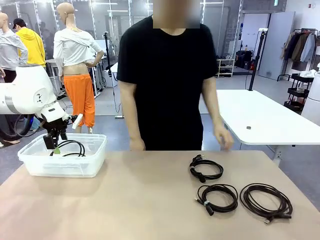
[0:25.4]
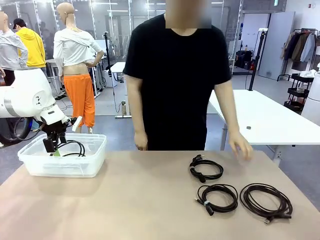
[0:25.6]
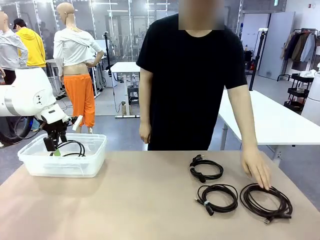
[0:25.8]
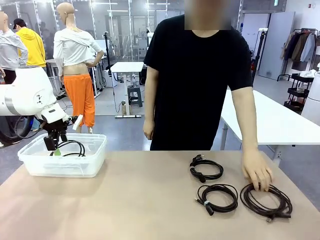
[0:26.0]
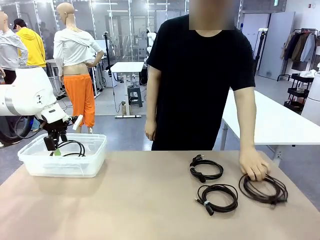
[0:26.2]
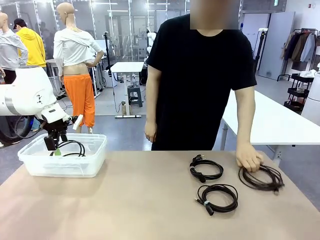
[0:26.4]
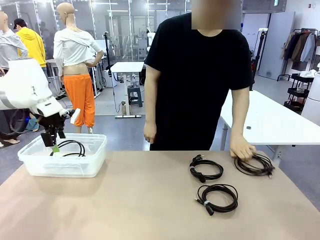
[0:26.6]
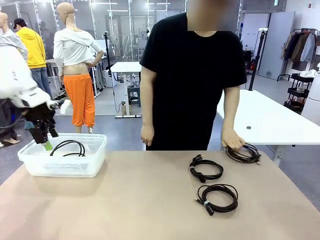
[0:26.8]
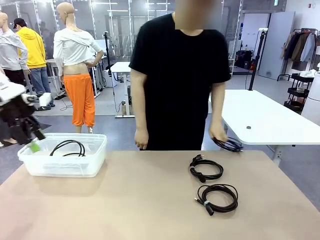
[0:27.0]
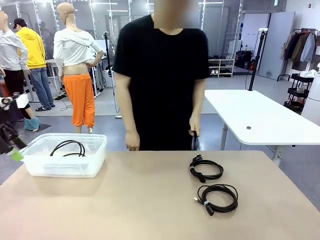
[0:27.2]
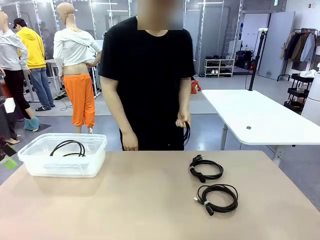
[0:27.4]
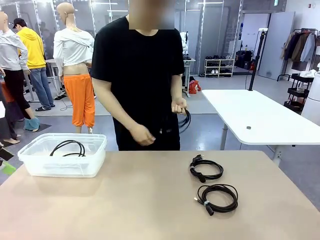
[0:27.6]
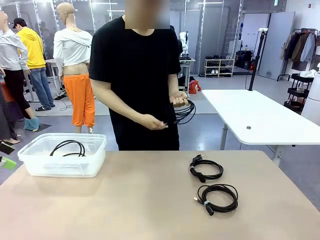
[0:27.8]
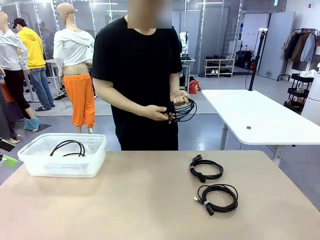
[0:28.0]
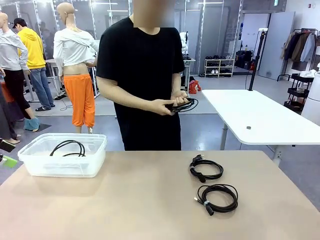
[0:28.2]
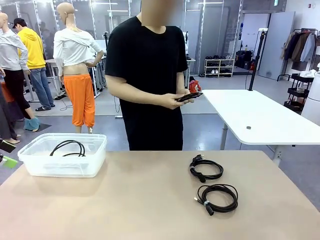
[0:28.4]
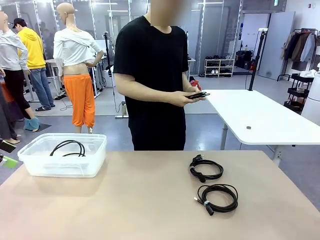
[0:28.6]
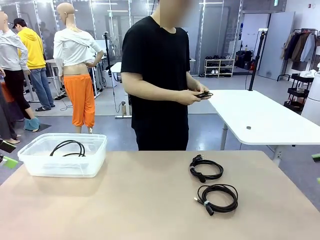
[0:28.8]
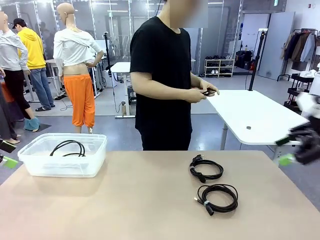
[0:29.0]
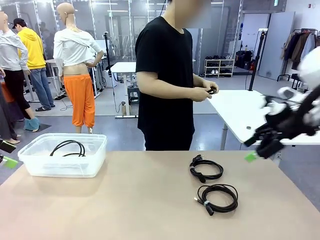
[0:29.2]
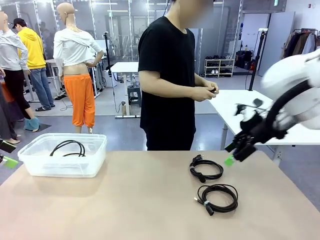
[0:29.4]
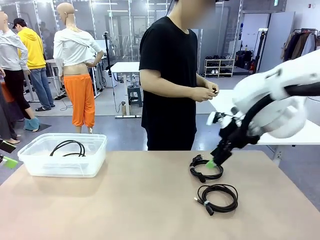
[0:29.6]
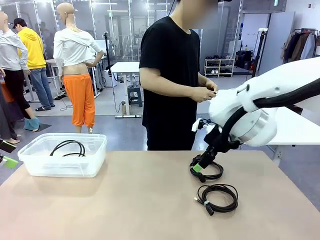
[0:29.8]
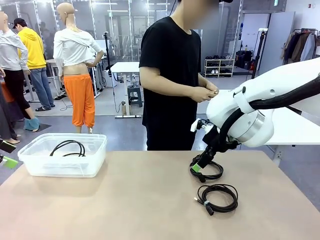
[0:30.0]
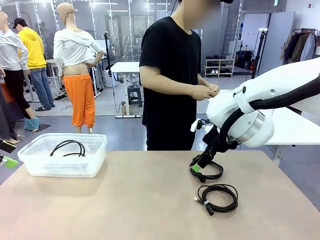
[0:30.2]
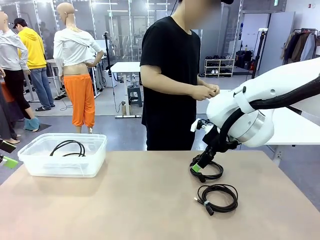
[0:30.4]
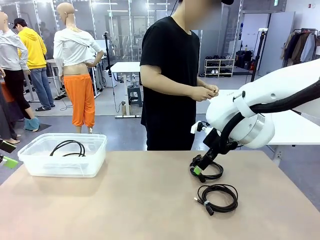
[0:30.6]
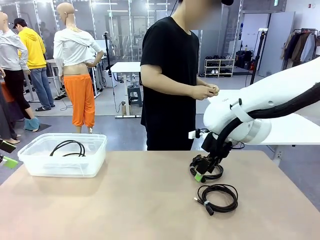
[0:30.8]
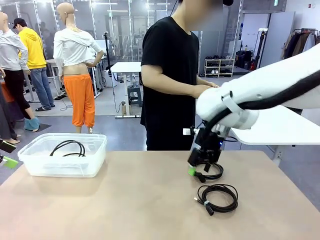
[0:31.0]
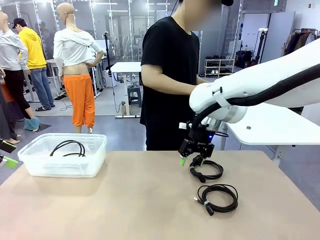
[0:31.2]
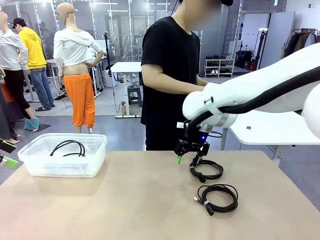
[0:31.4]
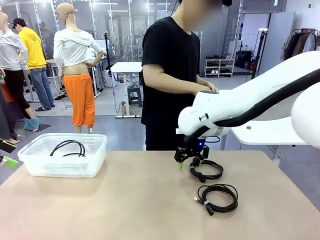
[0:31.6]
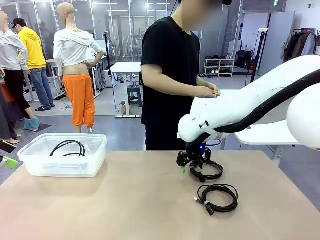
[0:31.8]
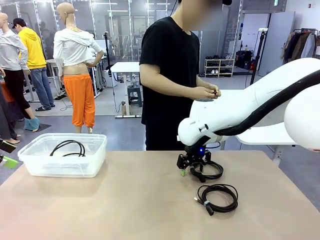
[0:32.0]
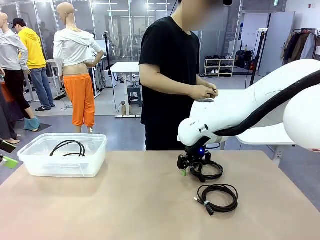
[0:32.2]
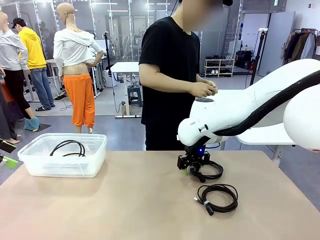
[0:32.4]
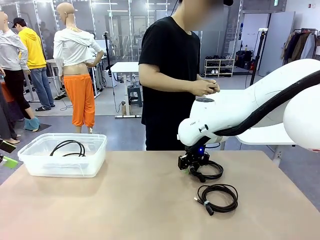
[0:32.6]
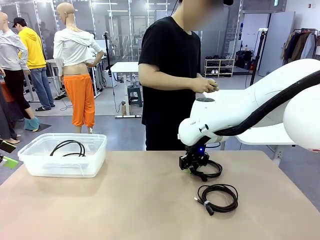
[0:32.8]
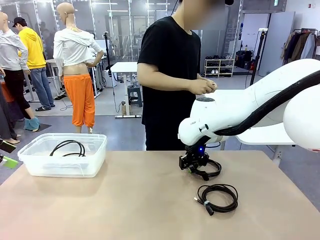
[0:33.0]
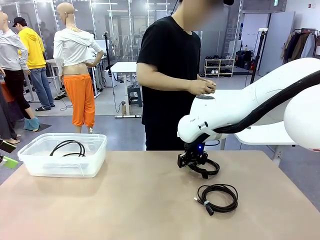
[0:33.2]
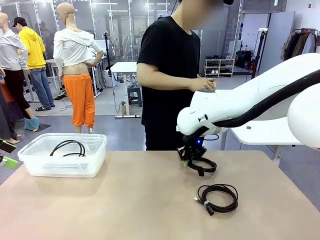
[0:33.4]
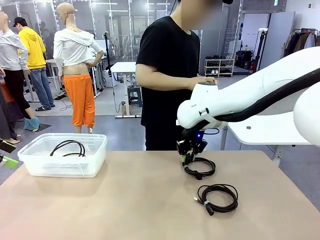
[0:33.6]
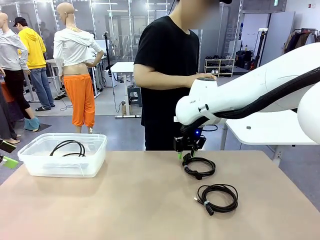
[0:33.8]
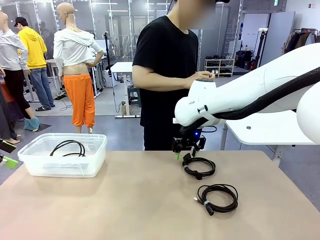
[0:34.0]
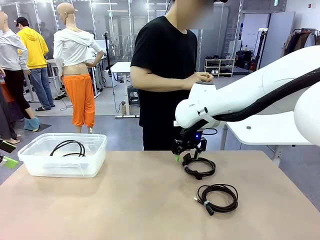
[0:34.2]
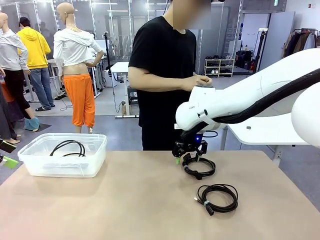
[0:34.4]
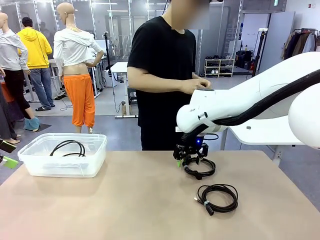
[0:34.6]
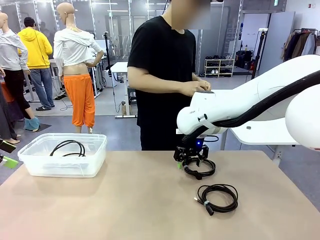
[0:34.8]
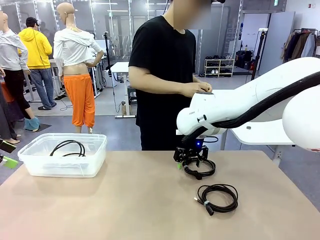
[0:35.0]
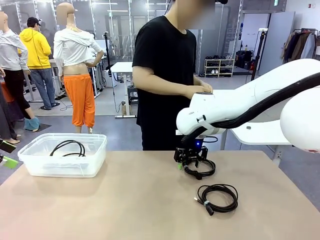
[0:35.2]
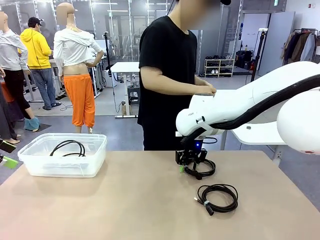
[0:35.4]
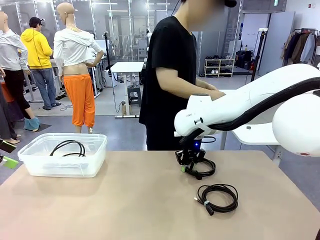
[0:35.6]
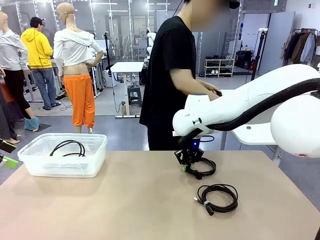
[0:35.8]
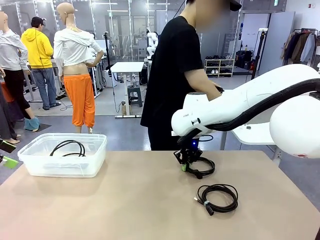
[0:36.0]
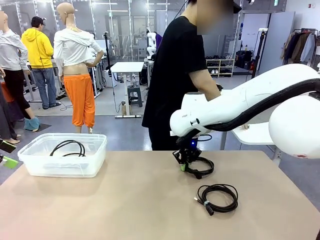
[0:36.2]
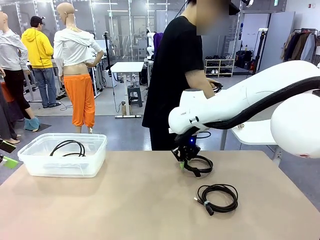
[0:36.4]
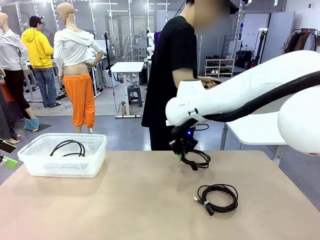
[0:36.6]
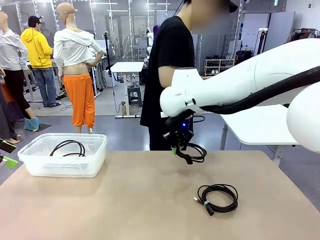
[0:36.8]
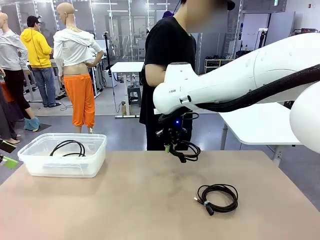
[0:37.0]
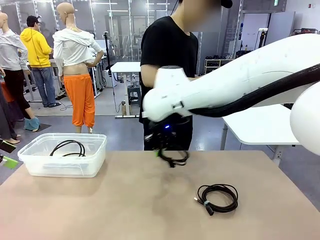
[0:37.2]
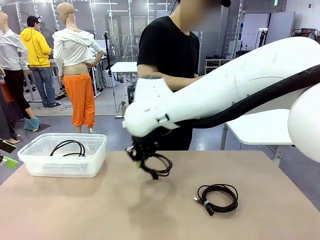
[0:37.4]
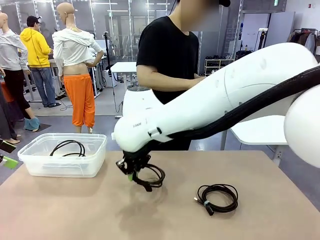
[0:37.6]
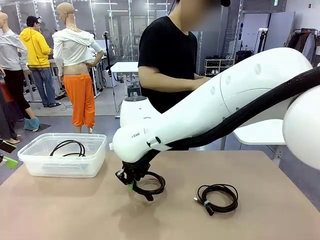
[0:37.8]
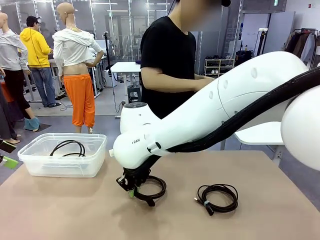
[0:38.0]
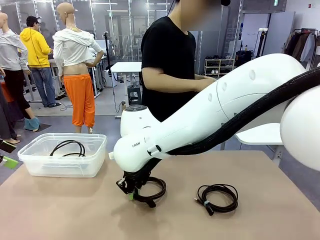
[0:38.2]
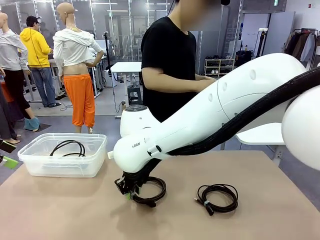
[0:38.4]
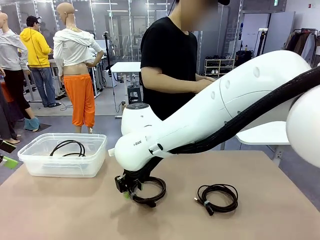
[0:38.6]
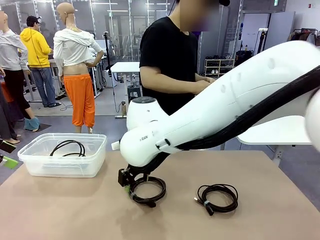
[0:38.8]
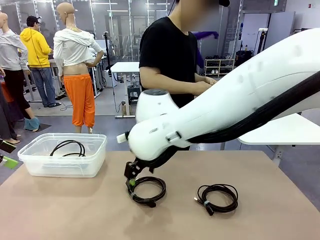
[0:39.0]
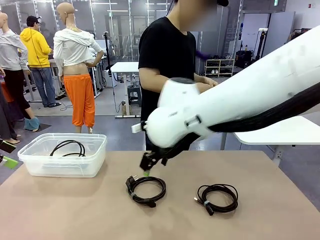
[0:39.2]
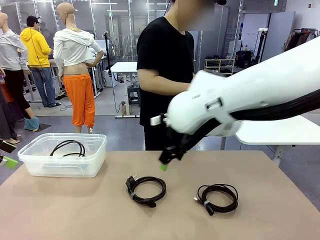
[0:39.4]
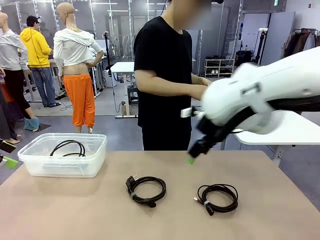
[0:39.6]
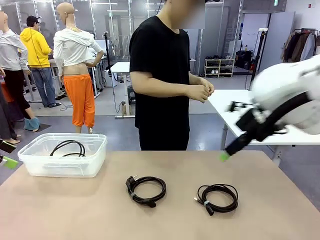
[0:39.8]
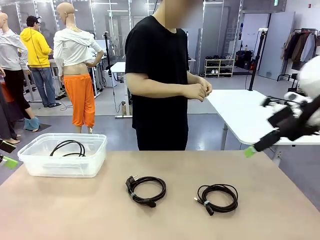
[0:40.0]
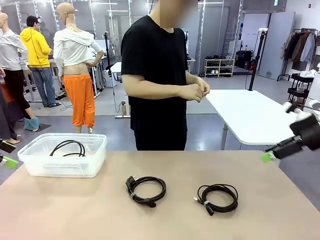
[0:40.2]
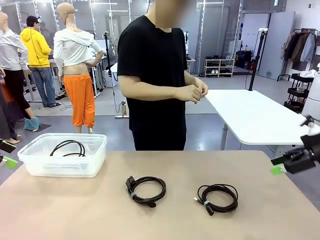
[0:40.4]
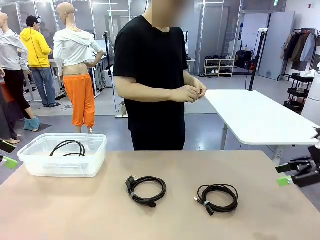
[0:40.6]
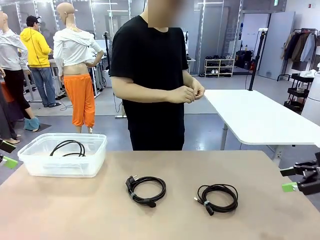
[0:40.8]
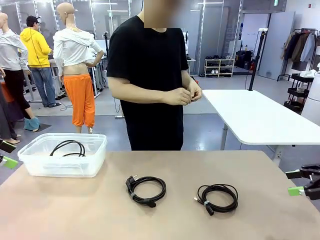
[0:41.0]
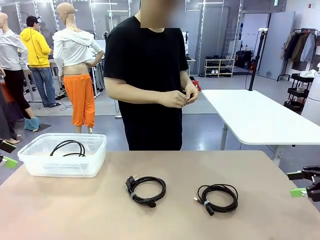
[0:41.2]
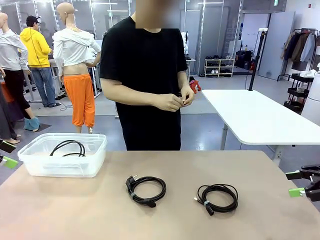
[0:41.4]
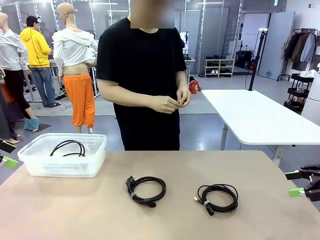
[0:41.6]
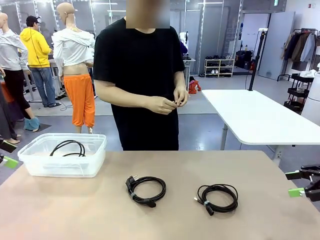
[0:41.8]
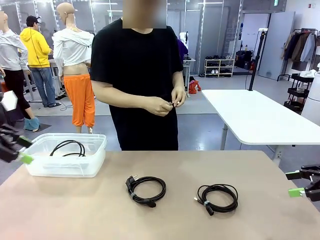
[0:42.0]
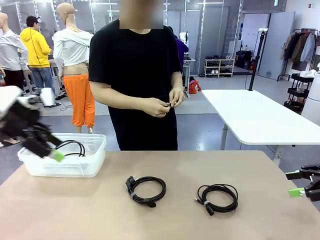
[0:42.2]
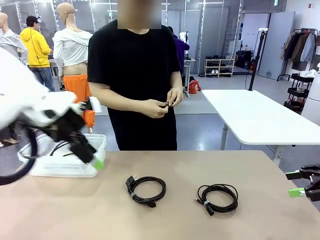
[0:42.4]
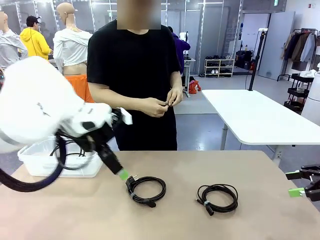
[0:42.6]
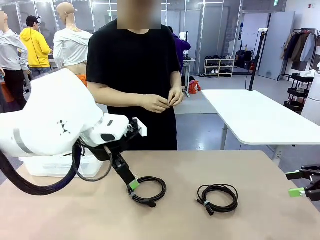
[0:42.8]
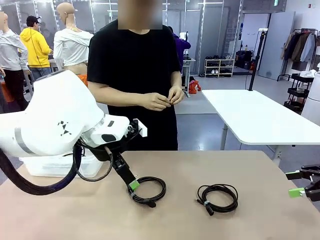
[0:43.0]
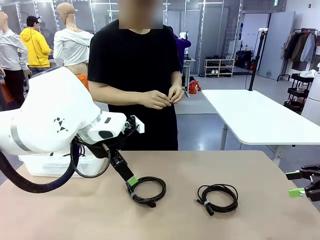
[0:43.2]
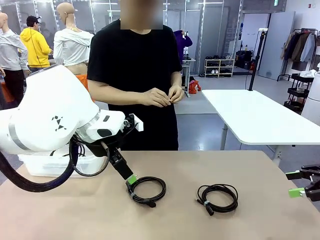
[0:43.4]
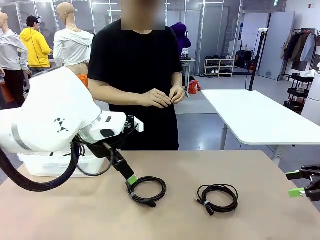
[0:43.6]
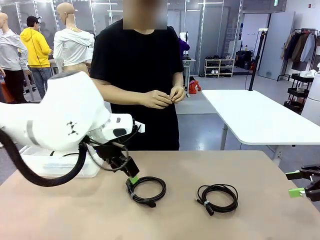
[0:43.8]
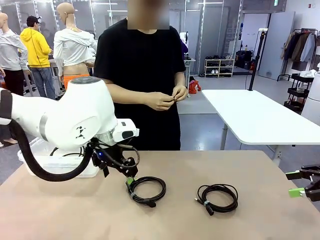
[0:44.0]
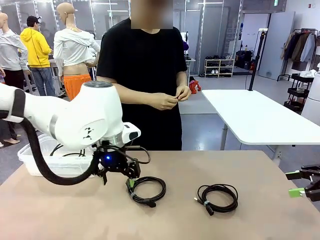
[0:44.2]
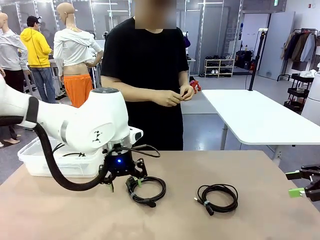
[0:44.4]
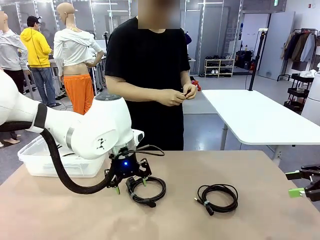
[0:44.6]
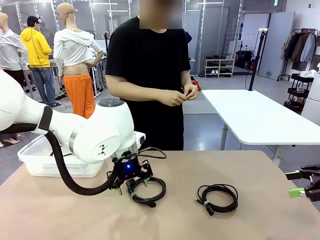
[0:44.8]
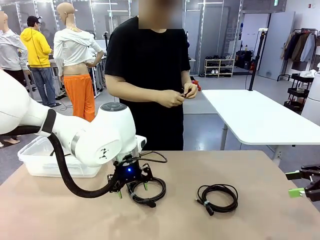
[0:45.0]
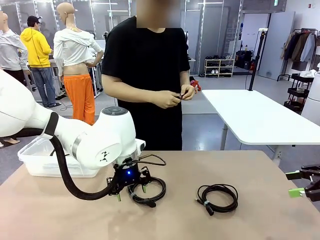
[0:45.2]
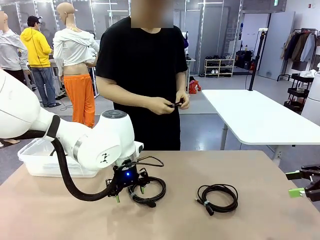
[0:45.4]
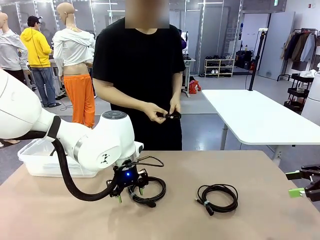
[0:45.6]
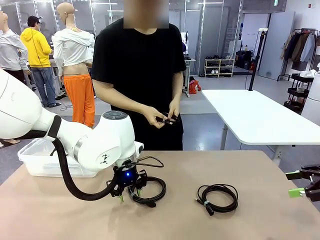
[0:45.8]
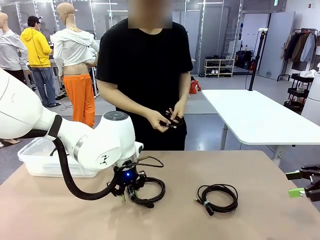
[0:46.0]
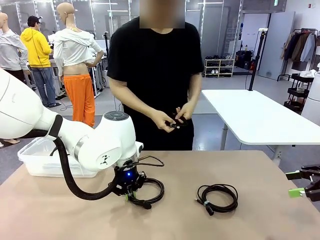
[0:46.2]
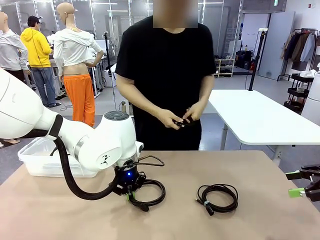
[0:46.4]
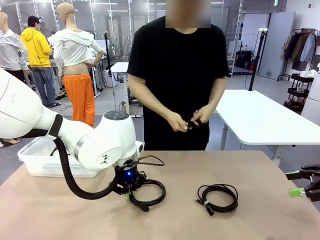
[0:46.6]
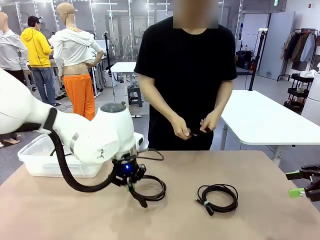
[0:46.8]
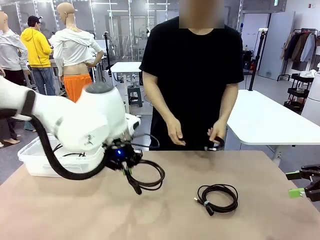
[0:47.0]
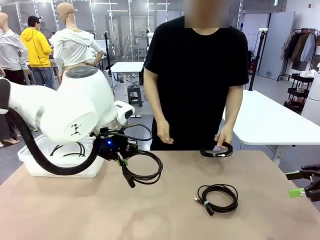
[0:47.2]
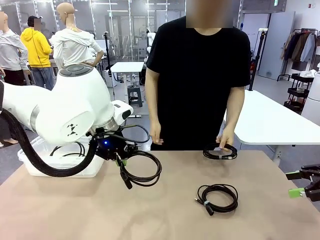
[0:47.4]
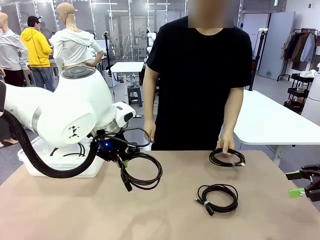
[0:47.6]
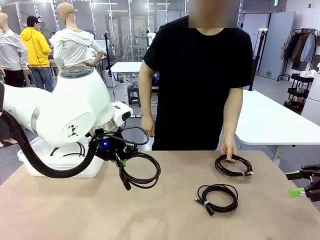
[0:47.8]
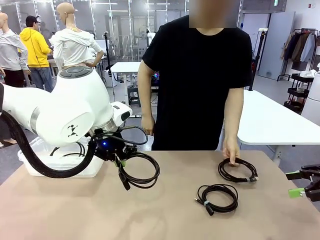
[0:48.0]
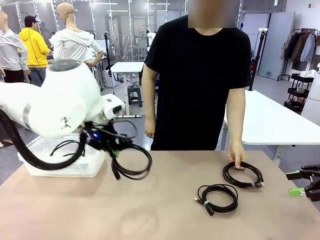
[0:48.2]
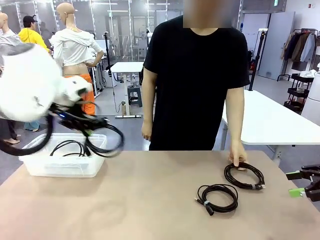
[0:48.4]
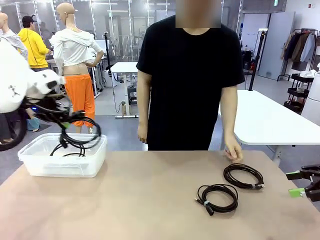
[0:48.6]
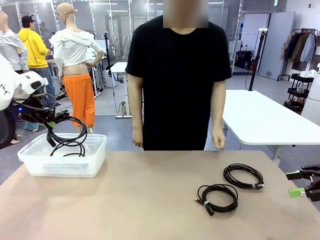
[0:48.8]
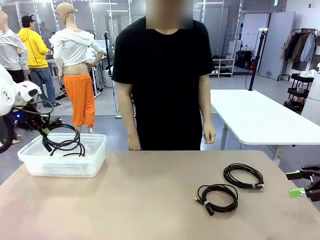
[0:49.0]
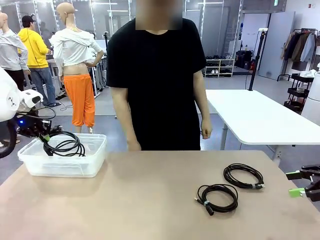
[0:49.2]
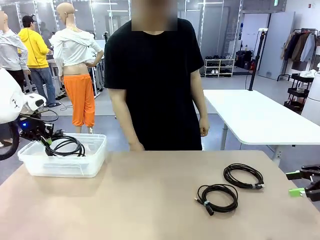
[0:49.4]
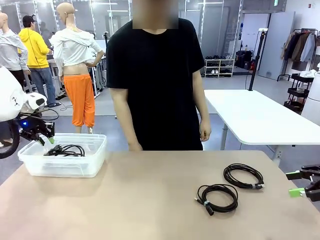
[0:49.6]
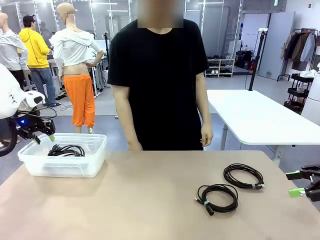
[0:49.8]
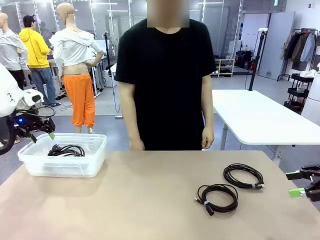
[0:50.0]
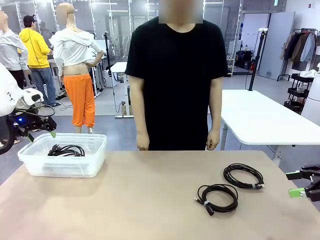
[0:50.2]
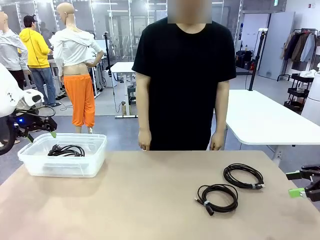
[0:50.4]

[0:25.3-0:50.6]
Task: Organize and store the cables.
Robot: Place the Power Cable into the Organizing box.
